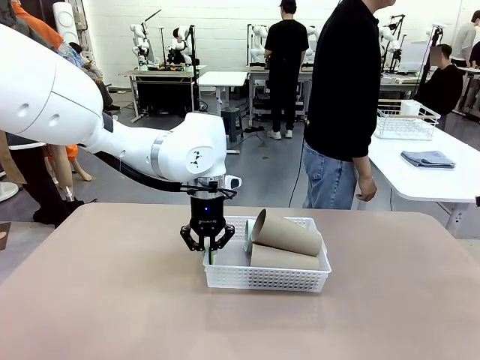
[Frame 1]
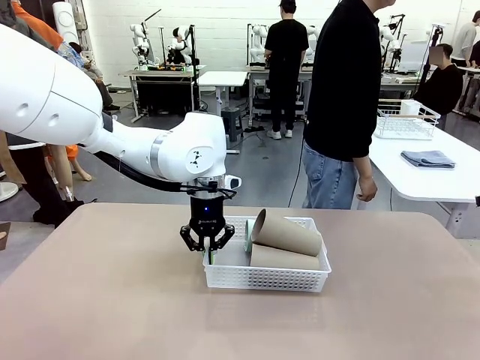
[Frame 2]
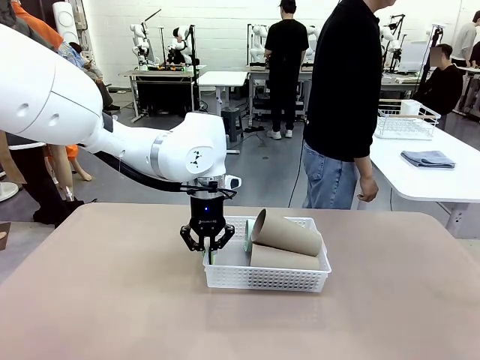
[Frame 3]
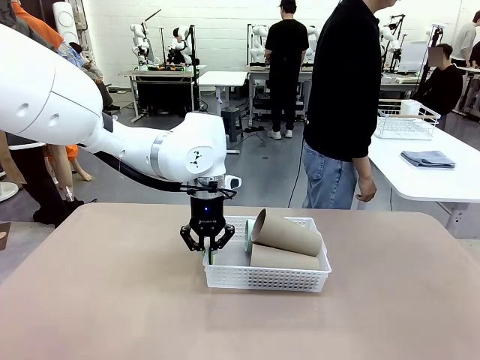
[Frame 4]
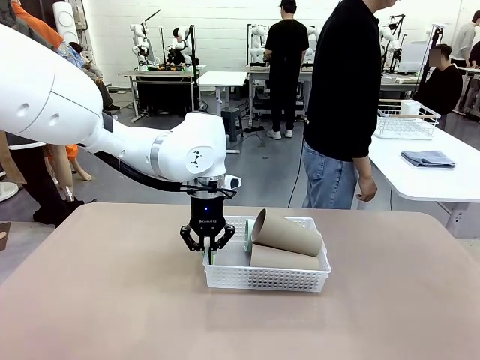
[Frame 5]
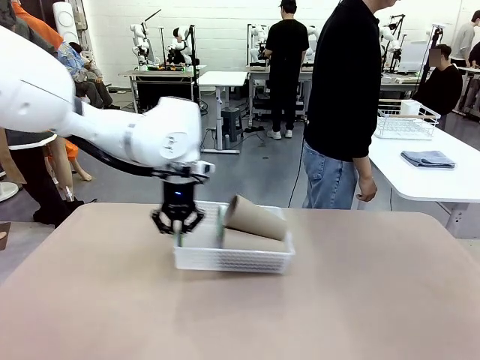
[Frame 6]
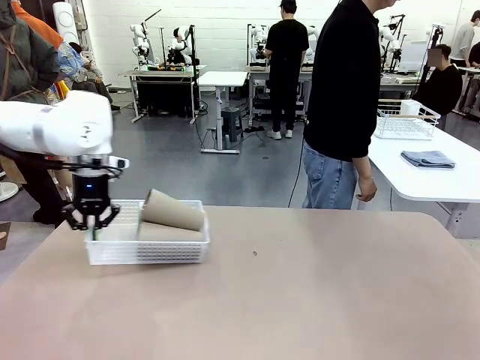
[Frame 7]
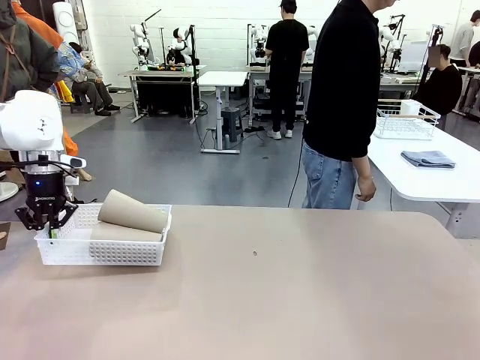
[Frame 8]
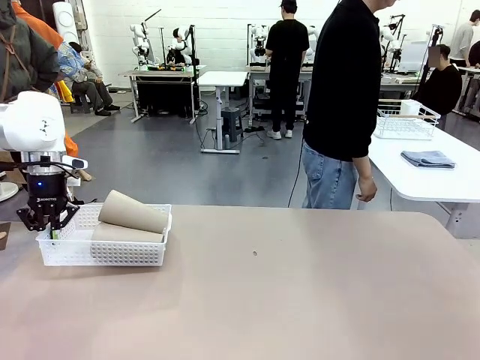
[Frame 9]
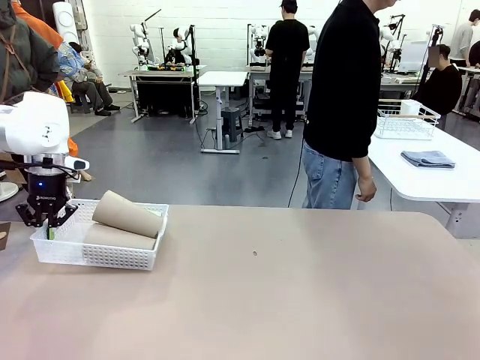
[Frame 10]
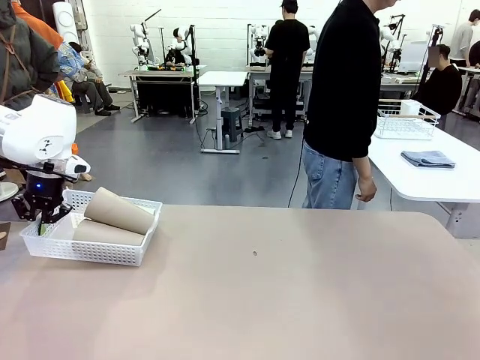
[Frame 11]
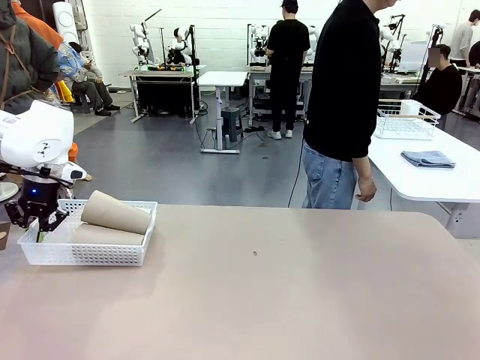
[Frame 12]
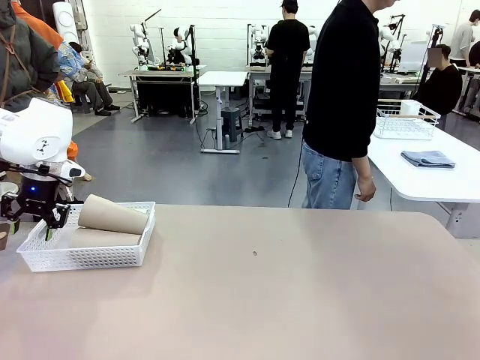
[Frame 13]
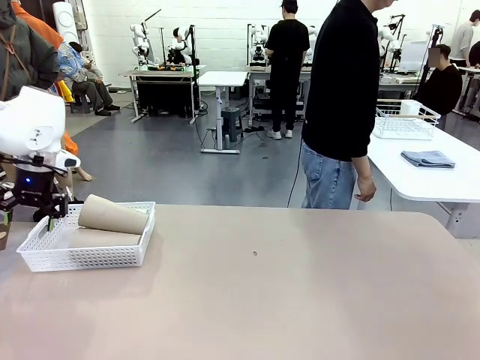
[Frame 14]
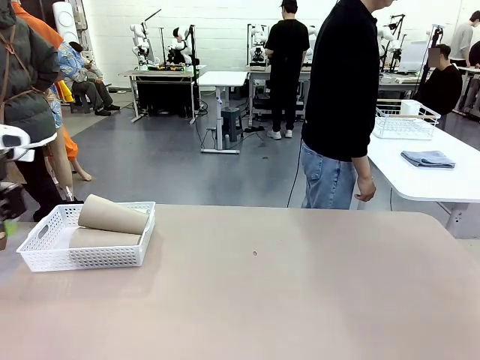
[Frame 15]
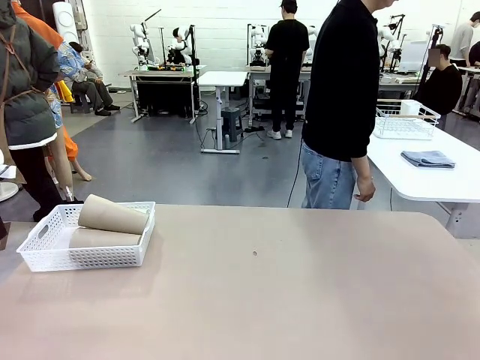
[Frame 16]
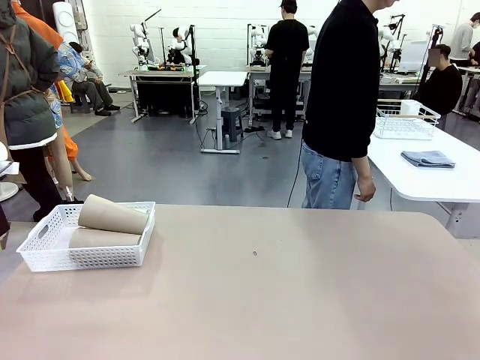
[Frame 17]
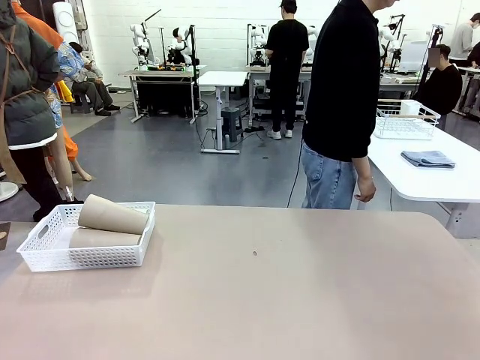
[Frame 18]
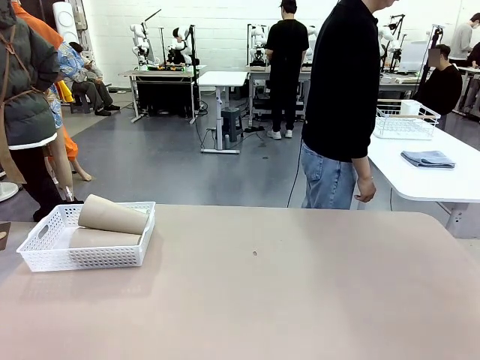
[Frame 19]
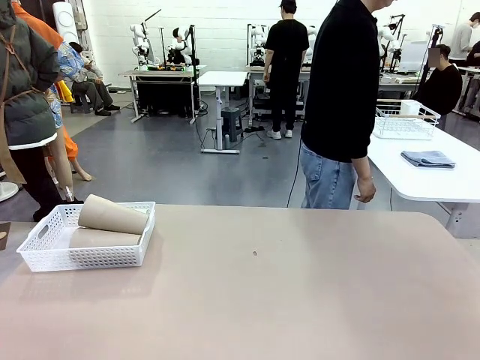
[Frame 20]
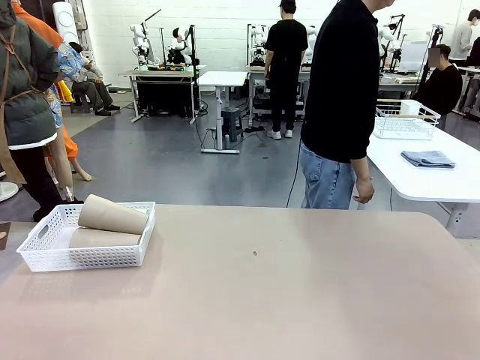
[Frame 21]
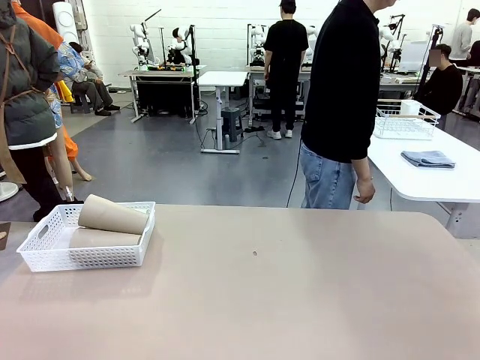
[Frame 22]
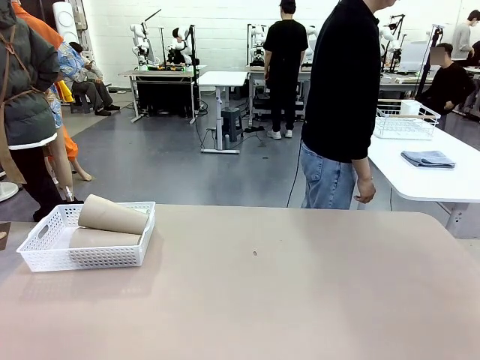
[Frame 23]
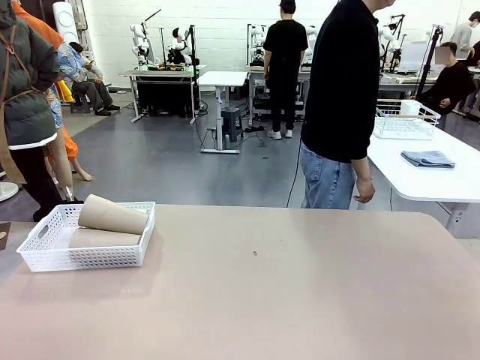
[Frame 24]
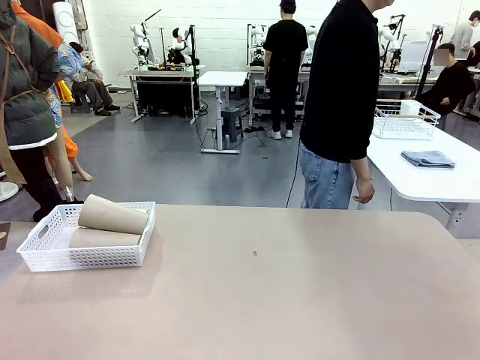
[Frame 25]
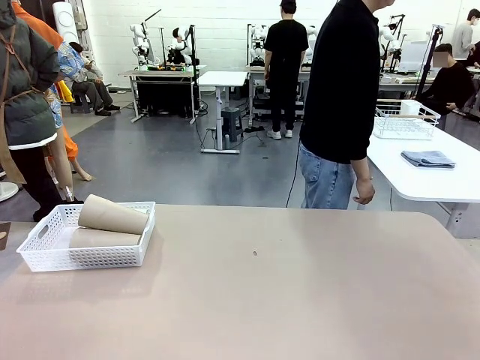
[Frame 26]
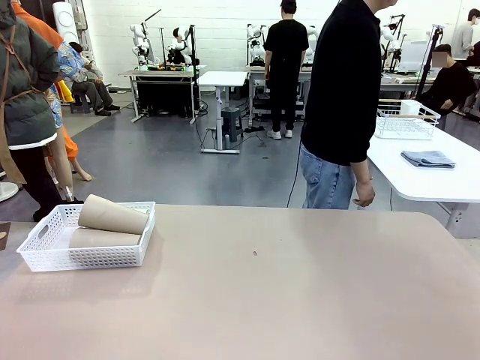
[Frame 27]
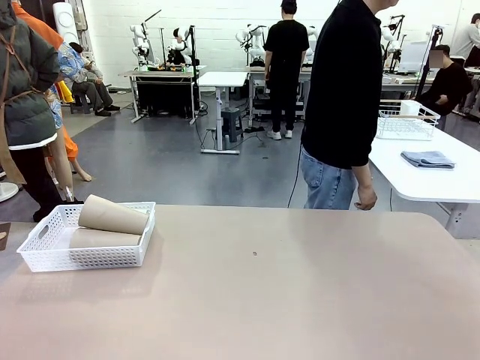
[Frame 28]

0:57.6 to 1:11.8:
Task: Clean and organize the cups into the basket.
Robot: Move the Organizing basket back to the left side of the table.
Person: Folds the towel in half twice and places it in the right of the table.

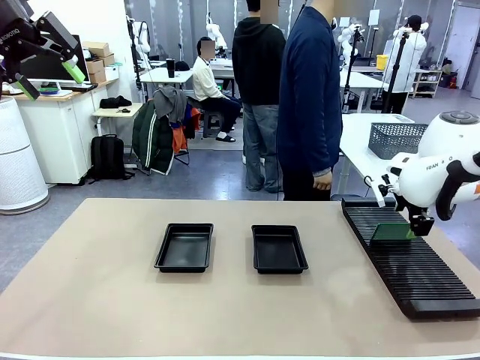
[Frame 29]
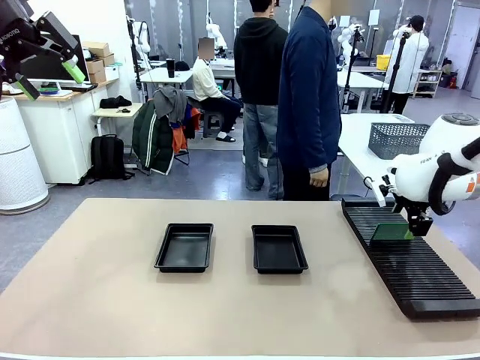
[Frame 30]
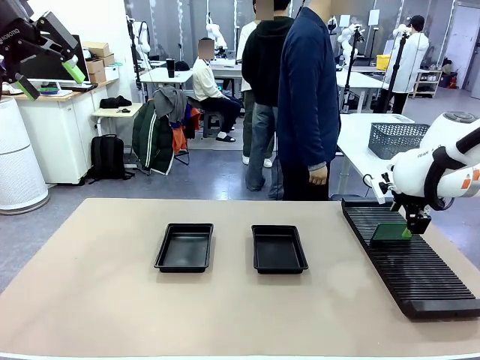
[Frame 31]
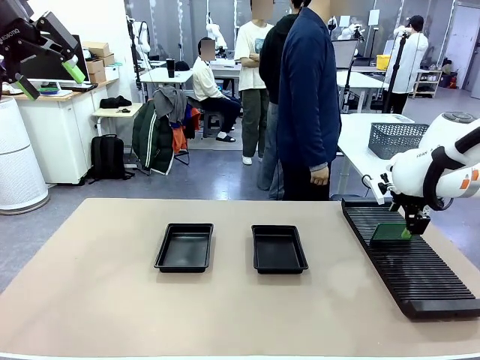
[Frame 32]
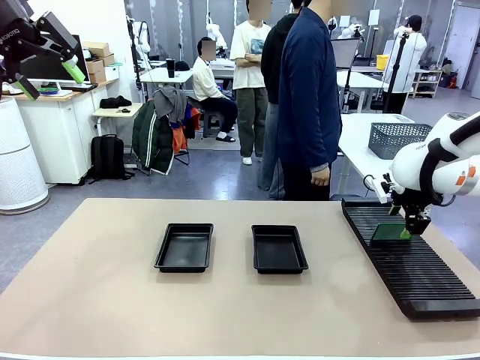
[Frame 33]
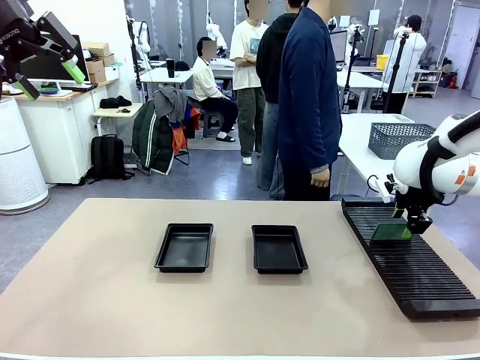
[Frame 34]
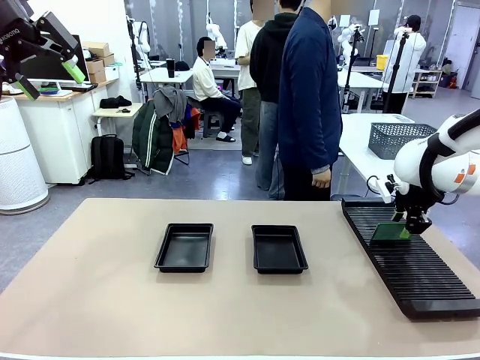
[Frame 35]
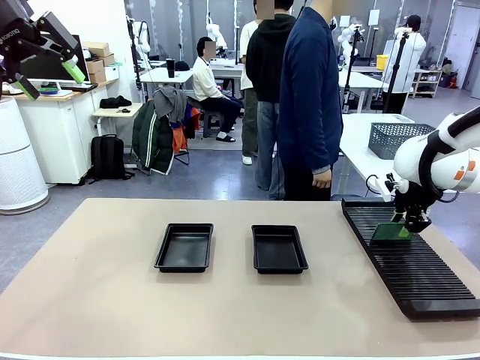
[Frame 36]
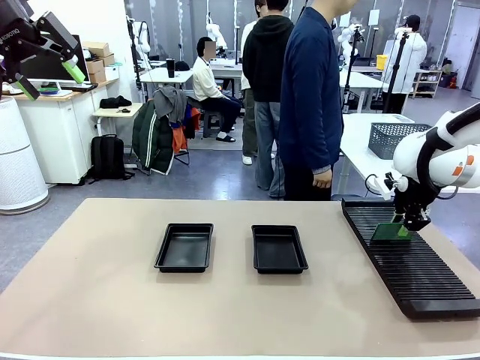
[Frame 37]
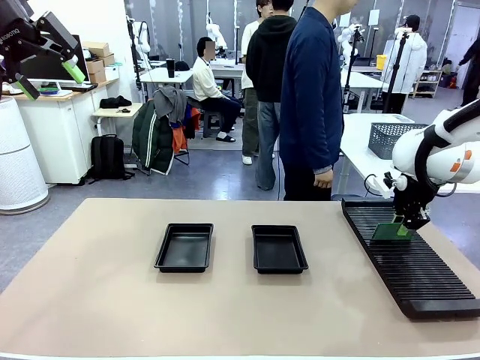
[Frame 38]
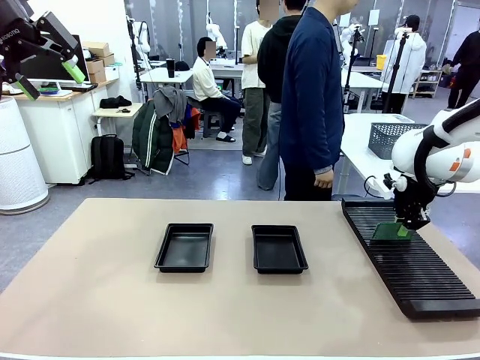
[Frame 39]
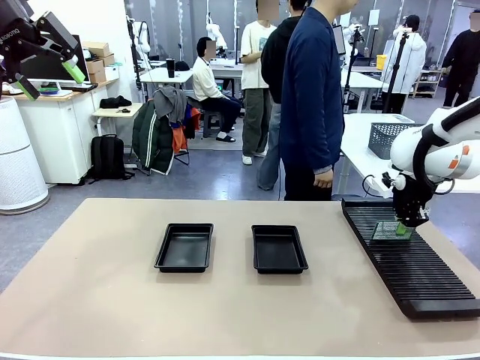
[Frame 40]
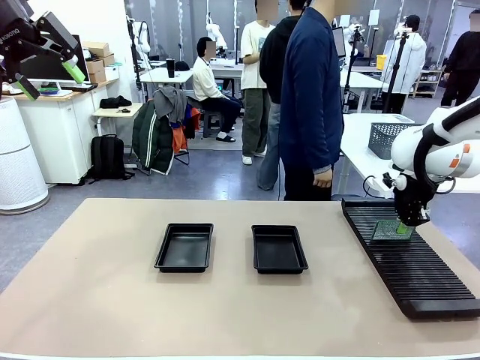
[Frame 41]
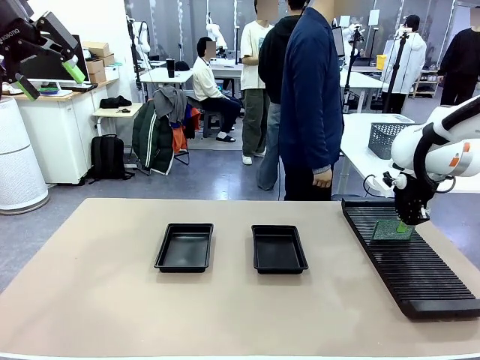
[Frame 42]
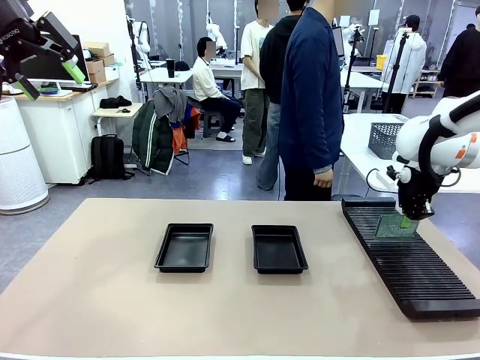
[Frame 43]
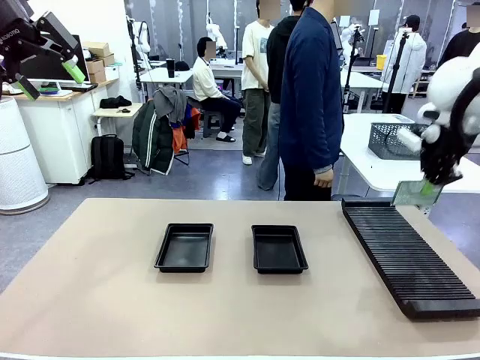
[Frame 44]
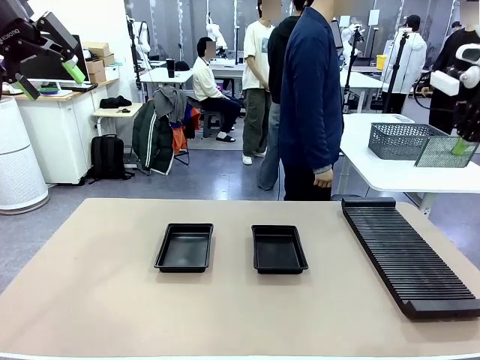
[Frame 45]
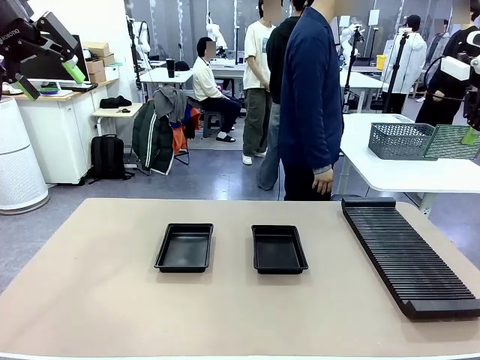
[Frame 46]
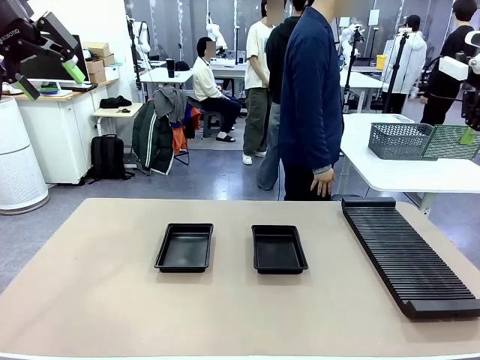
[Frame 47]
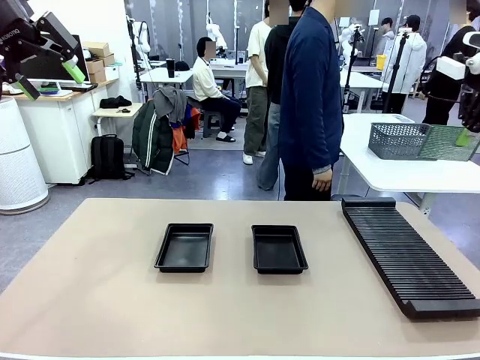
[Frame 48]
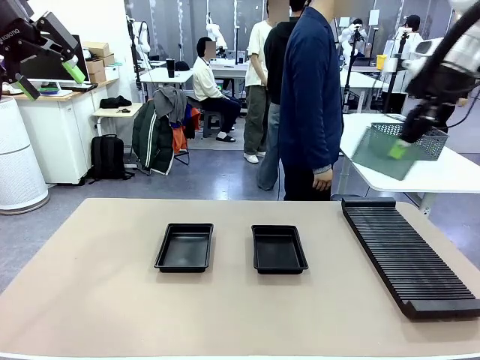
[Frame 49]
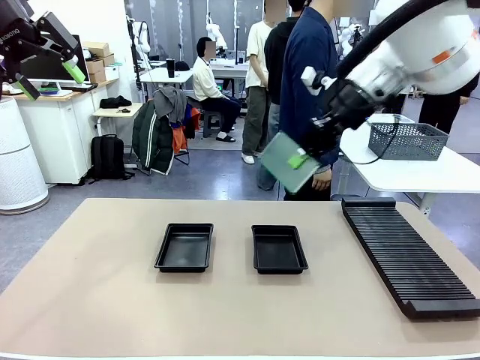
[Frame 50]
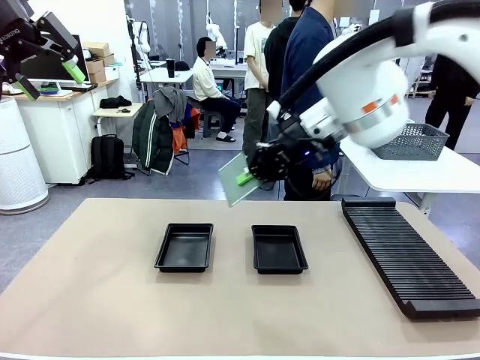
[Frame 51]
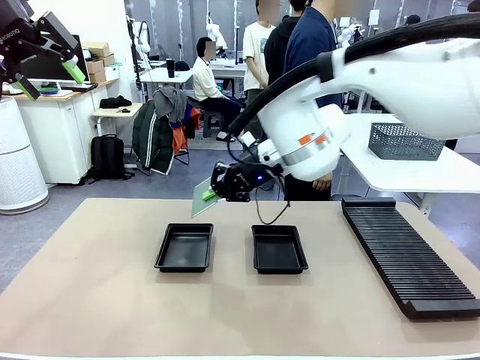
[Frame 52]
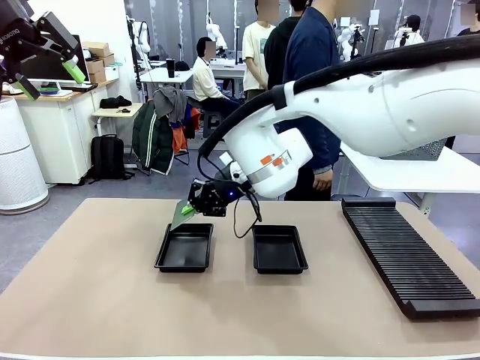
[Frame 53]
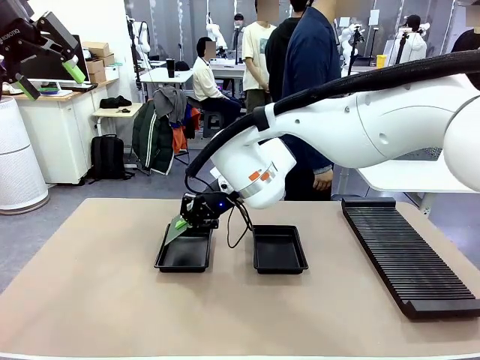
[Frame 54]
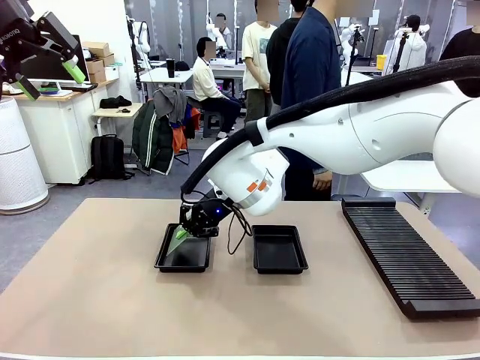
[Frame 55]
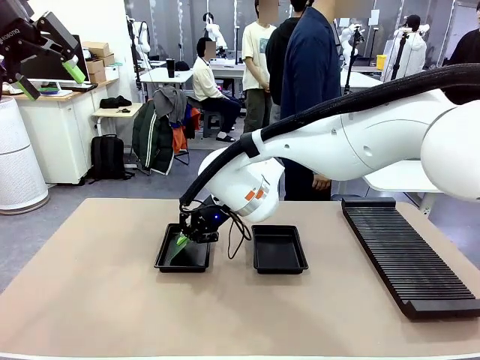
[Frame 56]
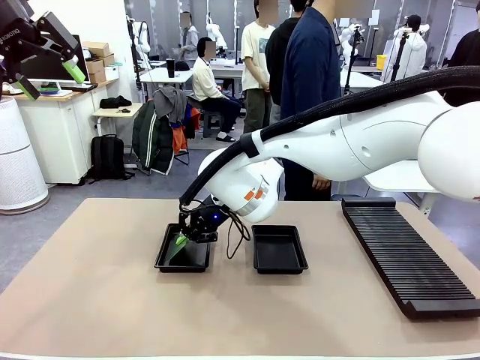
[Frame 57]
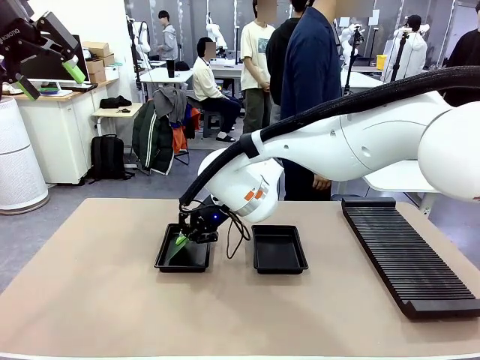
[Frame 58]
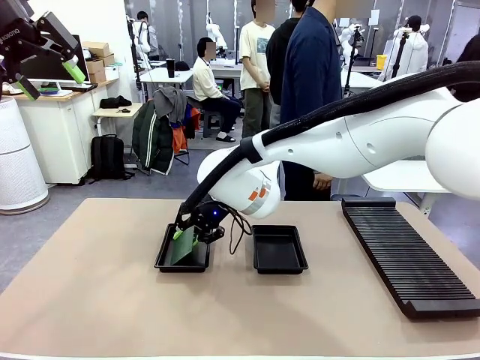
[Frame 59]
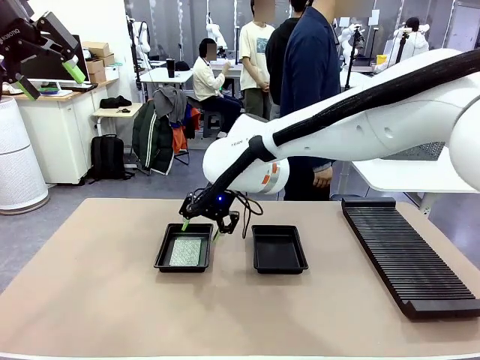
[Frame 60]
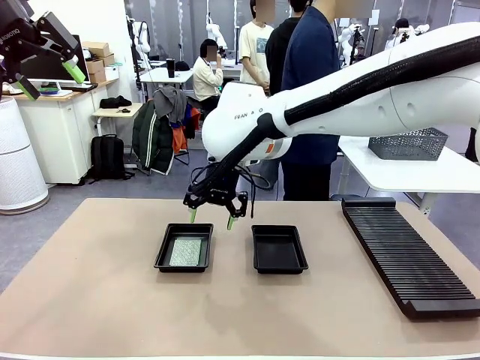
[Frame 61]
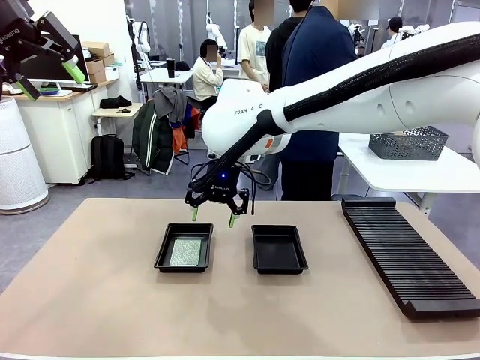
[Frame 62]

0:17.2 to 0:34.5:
Task: Inspect and transfer BCBs to ESD trays.
Robot: Pick up the Blank PCB from the PCB Rack and place it in the left ESD tray.
